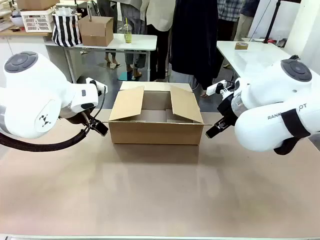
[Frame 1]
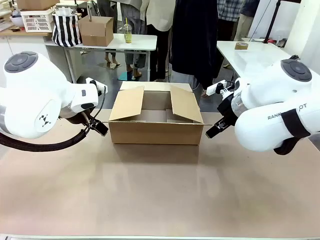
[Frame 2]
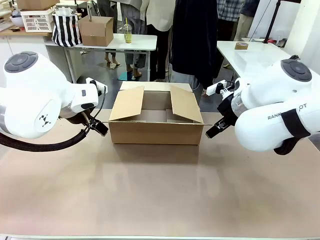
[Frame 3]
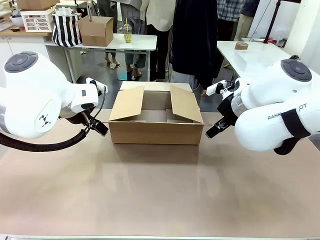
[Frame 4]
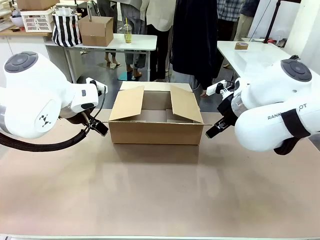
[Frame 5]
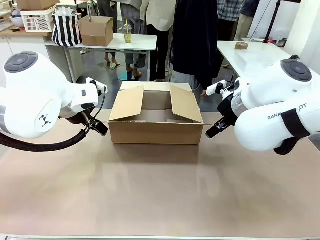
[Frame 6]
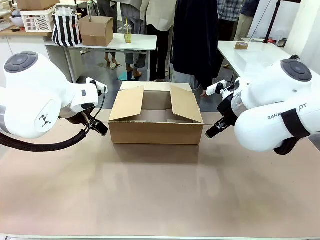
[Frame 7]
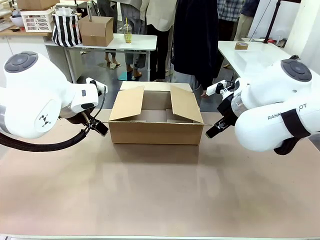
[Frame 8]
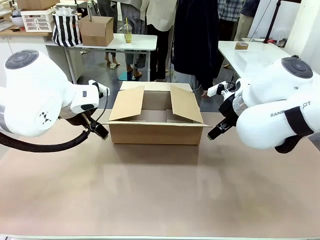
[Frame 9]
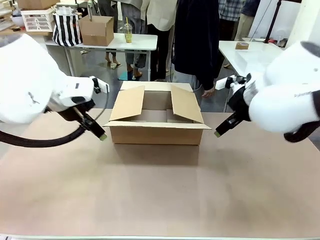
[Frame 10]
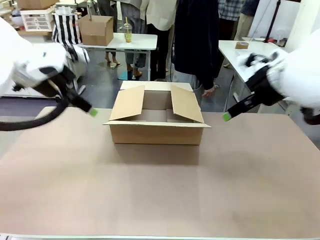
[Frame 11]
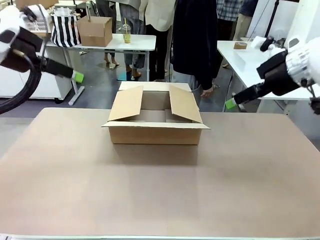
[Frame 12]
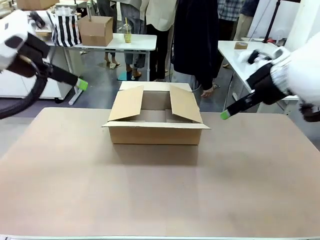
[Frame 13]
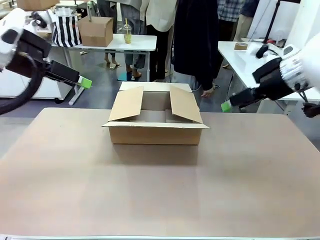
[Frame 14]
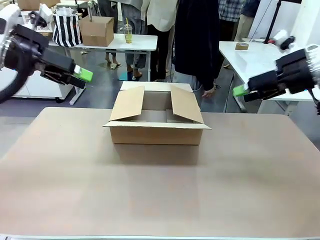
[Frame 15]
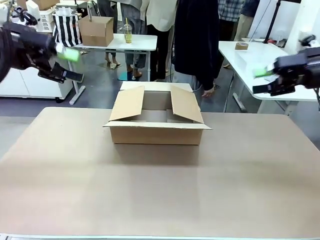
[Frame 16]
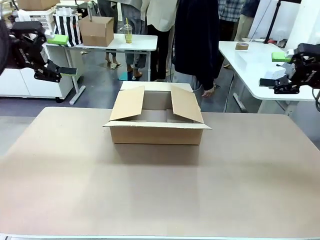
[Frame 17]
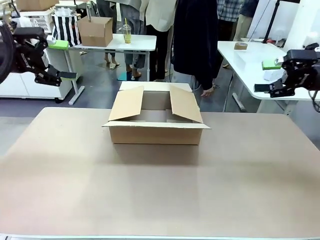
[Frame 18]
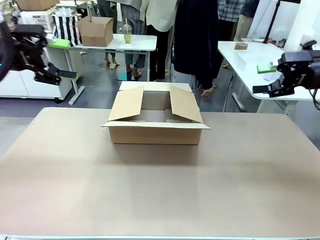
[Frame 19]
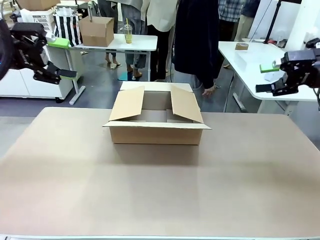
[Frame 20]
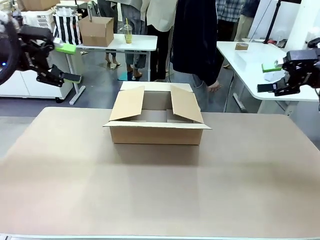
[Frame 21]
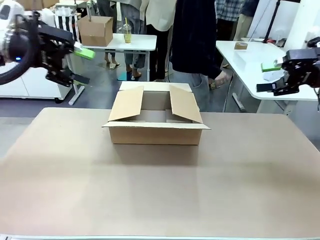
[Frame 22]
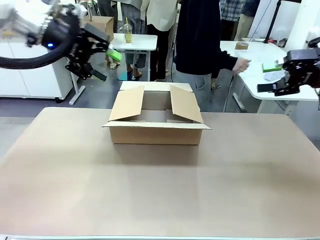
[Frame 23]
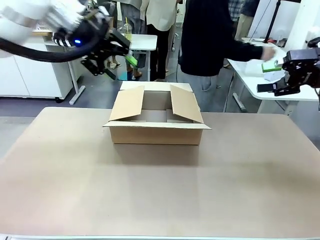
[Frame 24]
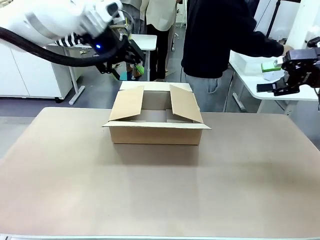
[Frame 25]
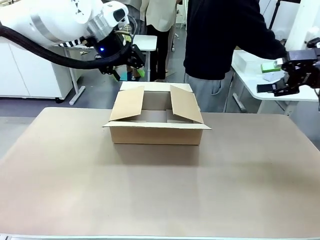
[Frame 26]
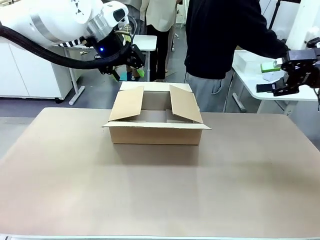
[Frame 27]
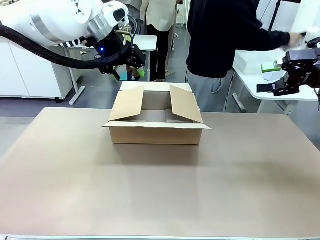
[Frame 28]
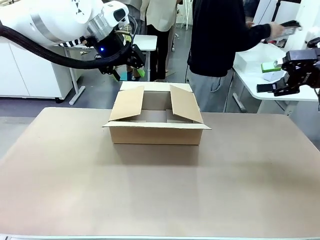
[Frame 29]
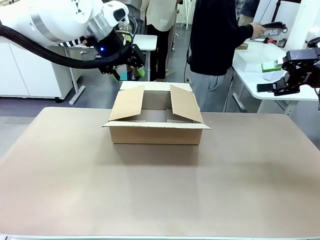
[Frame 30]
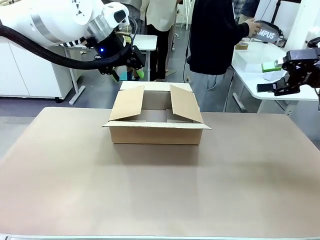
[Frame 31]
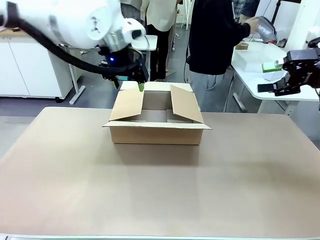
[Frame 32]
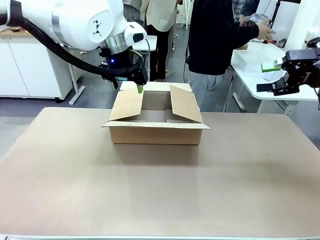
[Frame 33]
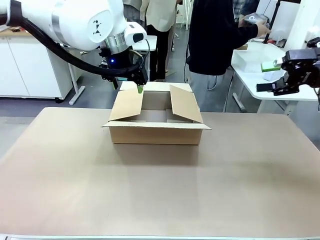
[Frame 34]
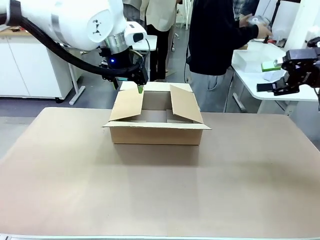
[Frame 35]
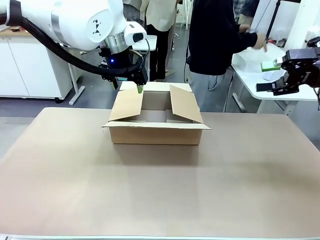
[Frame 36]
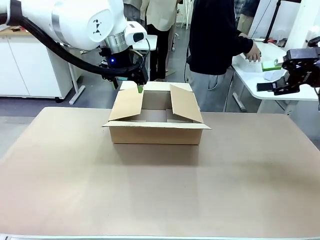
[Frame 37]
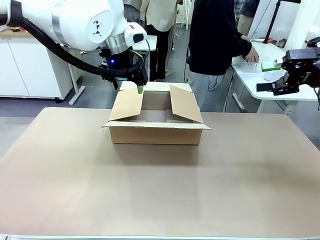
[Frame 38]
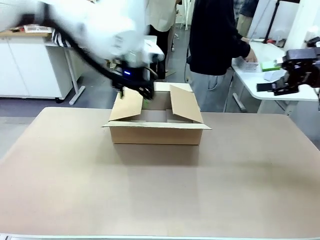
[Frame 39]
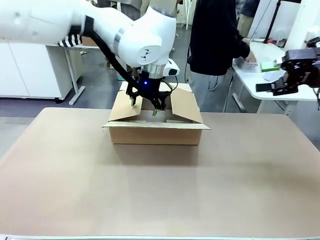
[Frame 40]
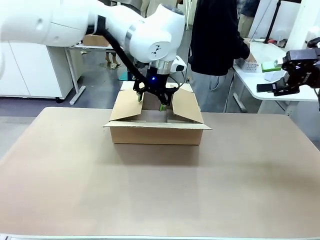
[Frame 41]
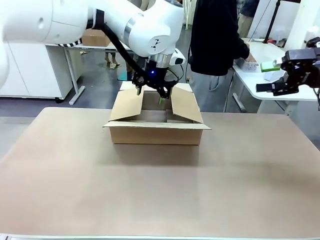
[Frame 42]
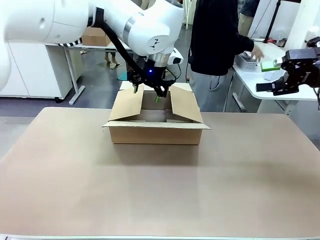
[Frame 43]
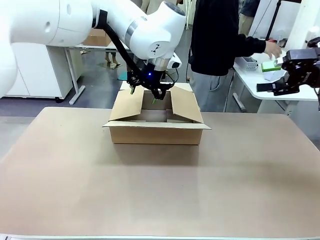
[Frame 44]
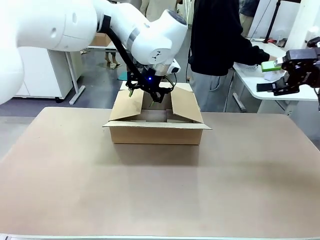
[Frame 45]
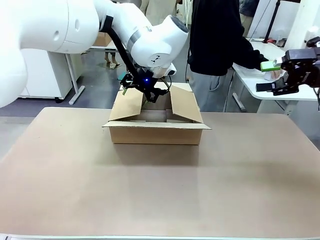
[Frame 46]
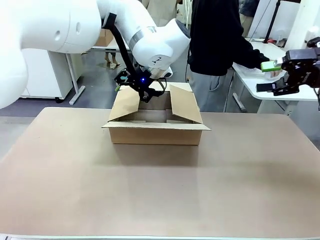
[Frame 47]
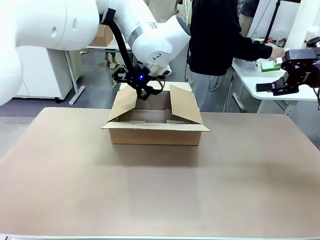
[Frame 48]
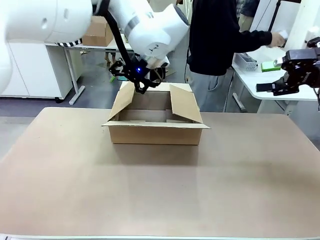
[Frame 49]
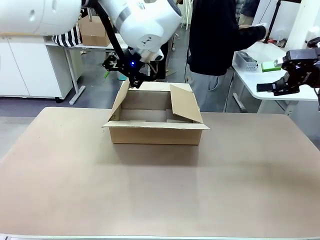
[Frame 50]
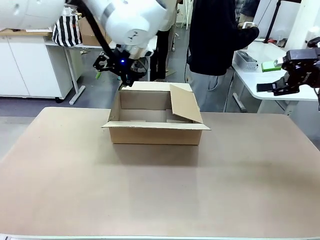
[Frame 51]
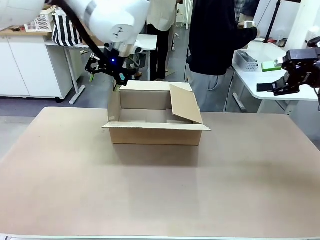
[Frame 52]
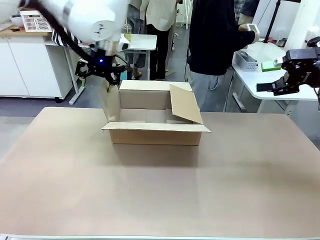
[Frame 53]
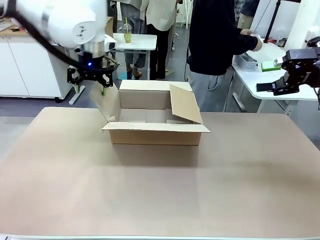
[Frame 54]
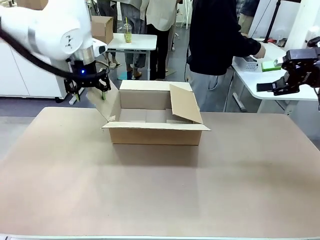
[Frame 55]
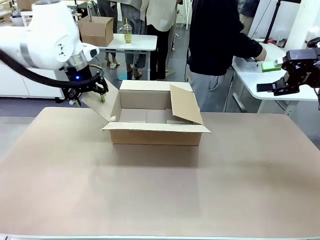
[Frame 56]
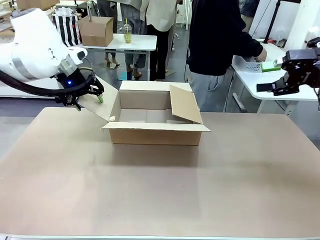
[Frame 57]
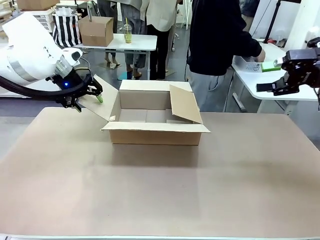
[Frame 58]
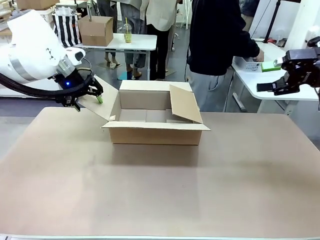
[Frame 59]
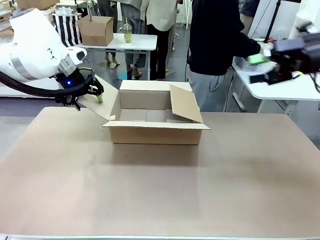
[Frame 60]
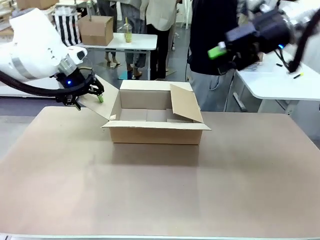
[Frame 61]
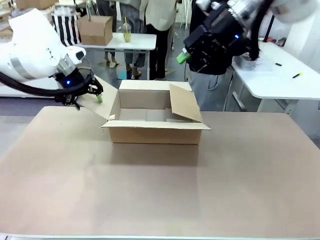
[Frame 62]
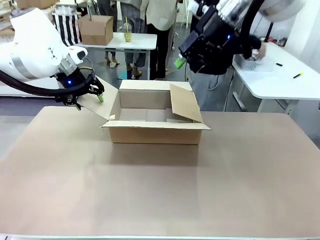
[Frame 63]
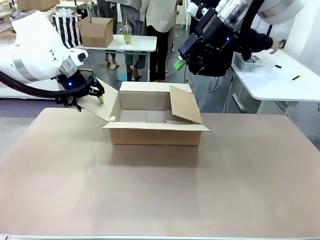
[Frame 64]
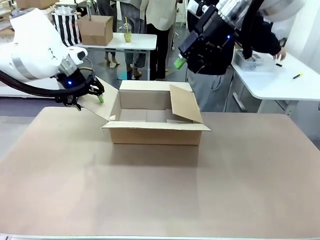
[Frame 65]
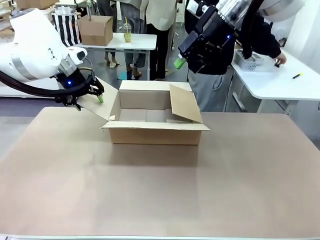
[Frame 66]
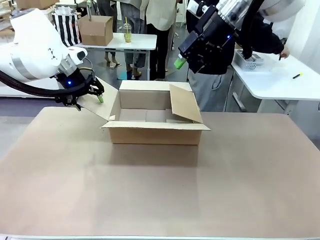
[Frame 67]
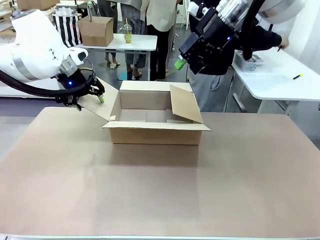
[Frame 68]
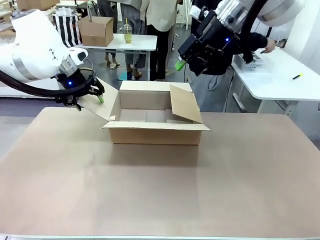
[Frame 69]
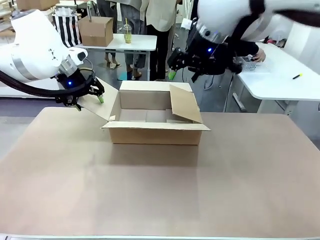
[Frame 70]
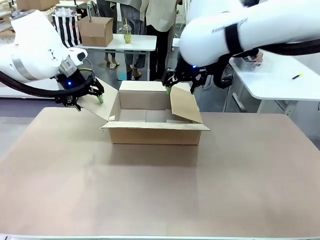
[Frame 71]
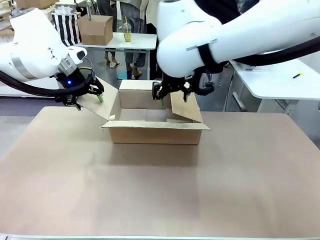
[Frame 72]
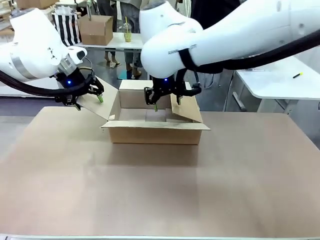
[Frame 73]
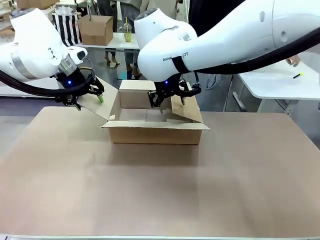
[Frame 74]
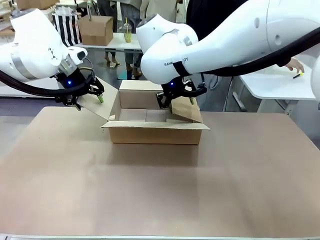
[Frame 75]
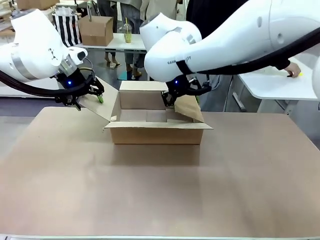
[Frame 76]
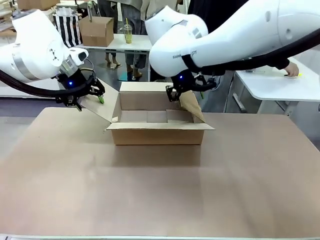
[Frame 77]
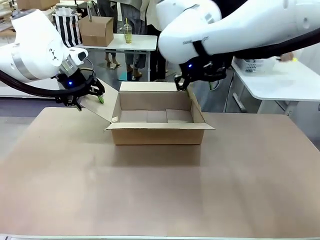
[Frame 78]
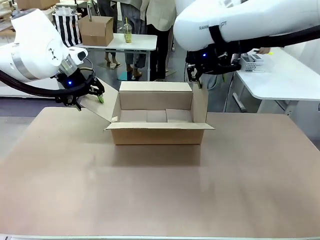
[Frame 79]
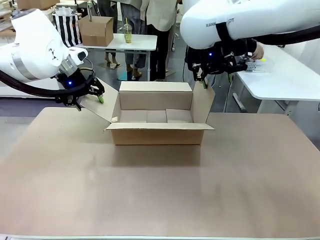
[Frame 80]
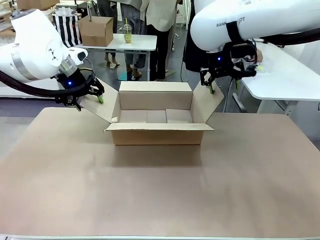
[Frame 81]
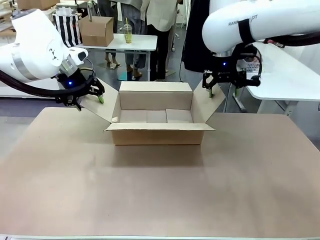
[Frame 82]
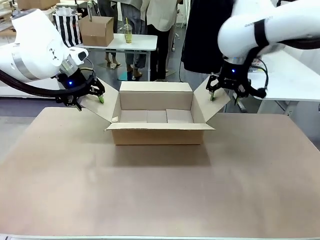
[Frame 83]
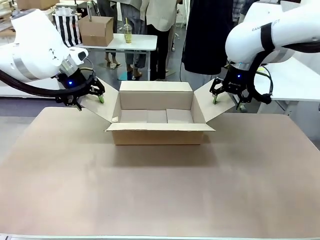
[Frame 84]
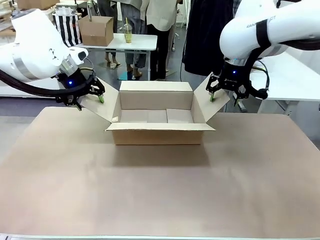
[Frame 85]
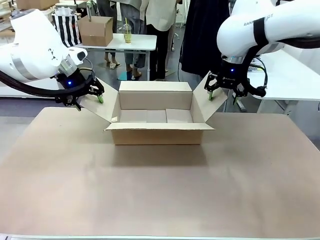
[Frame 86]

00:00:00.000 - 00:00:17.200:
Task: Pack the gift set into the box.
Robot: Place both hands on the side flaps of the Package Box and spread them outward.
Person: The human places all items except the paper tape into the organizing basket.
